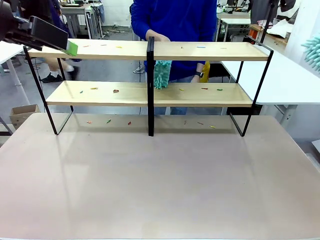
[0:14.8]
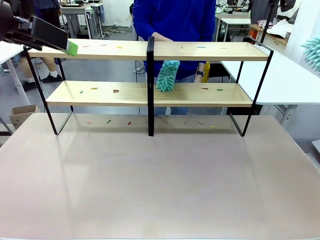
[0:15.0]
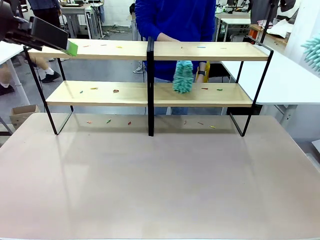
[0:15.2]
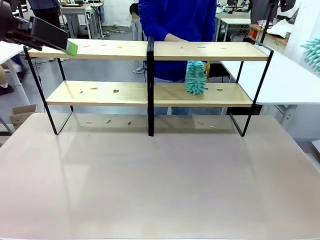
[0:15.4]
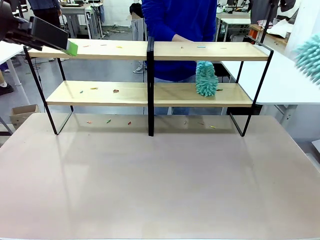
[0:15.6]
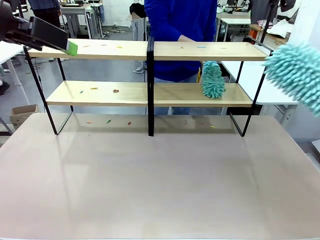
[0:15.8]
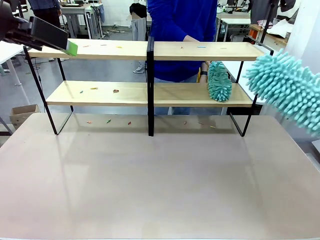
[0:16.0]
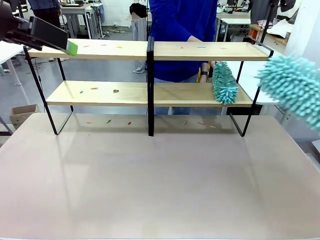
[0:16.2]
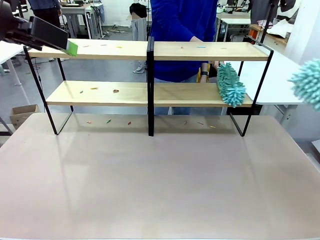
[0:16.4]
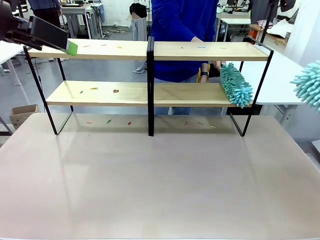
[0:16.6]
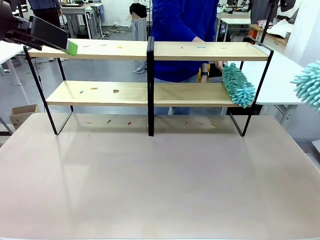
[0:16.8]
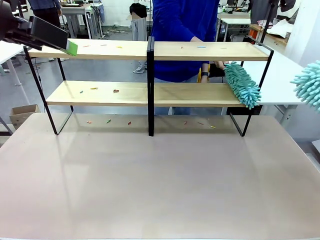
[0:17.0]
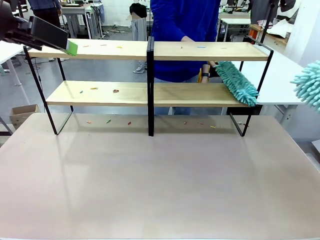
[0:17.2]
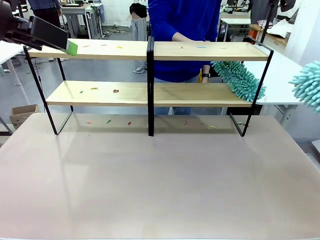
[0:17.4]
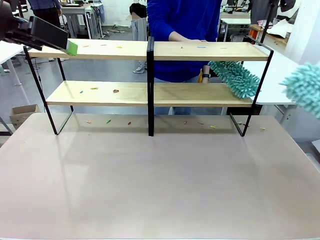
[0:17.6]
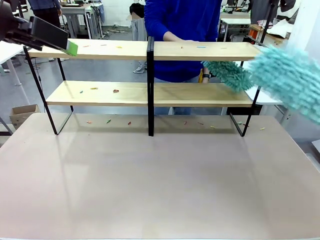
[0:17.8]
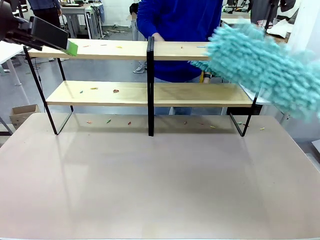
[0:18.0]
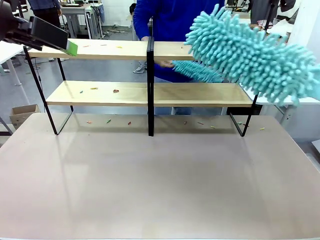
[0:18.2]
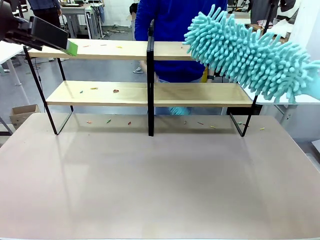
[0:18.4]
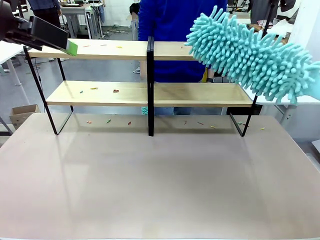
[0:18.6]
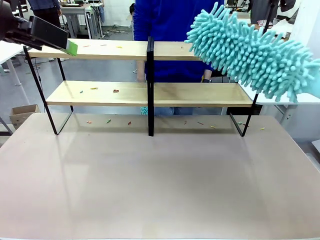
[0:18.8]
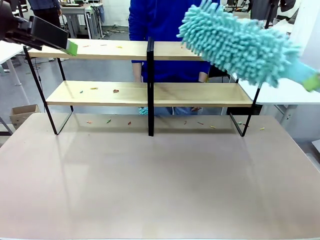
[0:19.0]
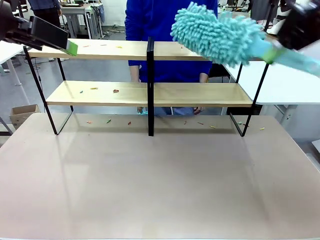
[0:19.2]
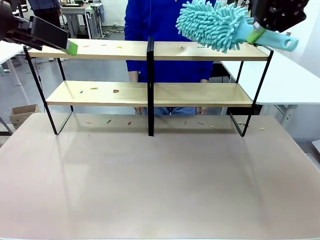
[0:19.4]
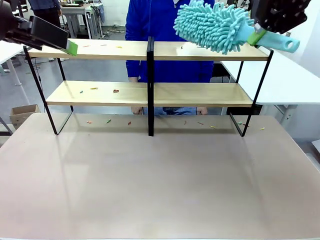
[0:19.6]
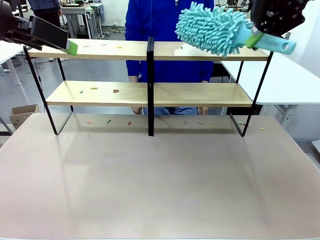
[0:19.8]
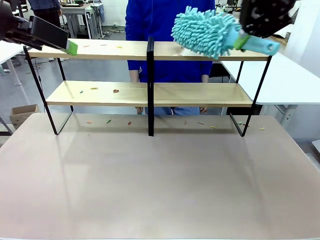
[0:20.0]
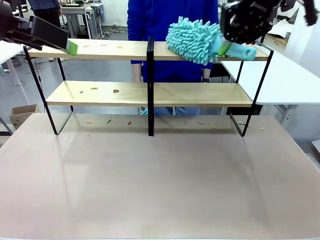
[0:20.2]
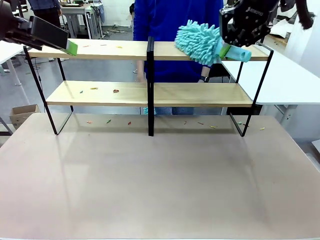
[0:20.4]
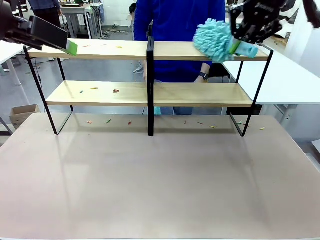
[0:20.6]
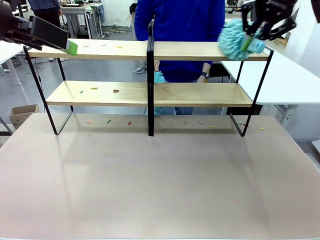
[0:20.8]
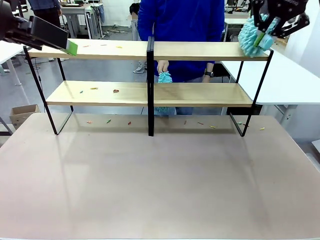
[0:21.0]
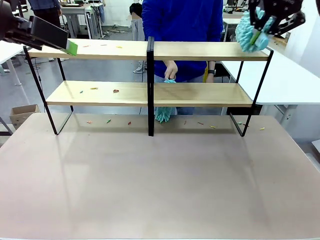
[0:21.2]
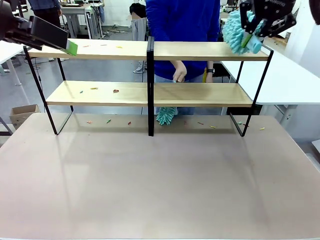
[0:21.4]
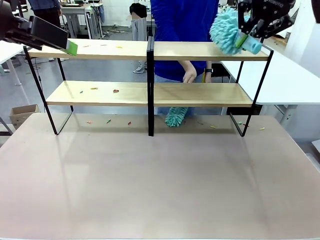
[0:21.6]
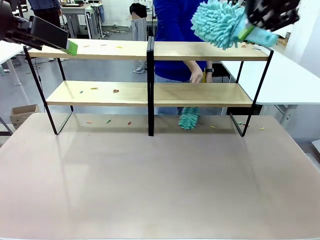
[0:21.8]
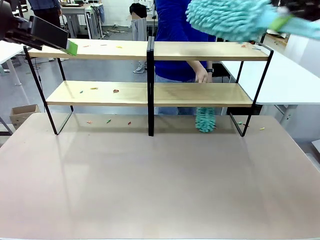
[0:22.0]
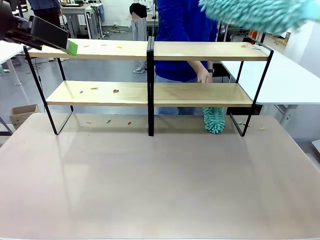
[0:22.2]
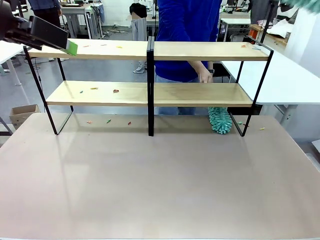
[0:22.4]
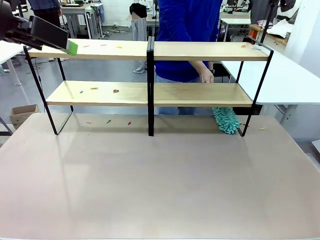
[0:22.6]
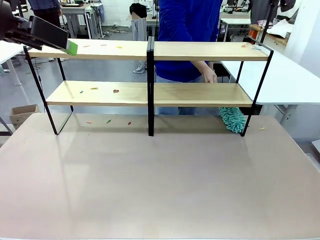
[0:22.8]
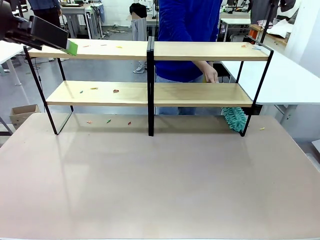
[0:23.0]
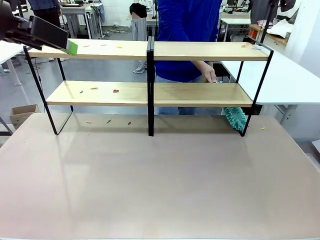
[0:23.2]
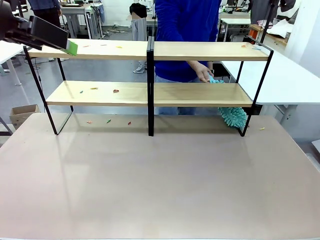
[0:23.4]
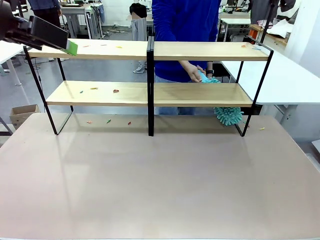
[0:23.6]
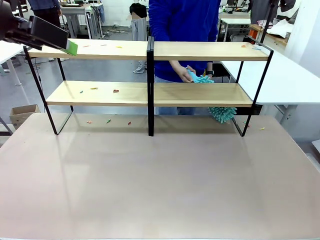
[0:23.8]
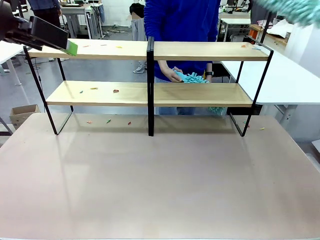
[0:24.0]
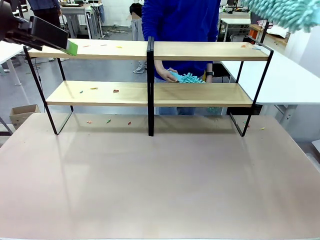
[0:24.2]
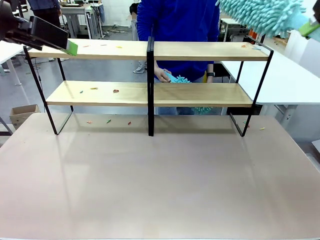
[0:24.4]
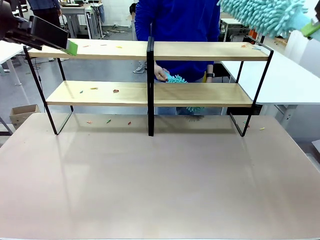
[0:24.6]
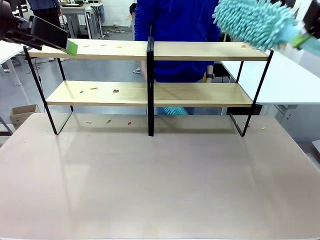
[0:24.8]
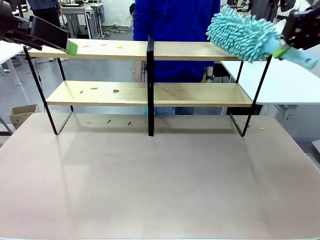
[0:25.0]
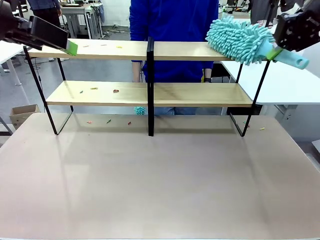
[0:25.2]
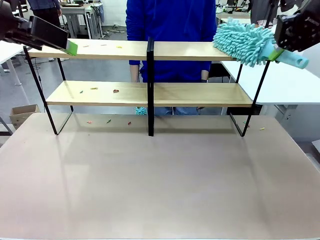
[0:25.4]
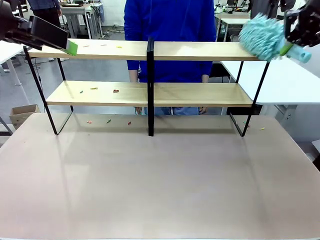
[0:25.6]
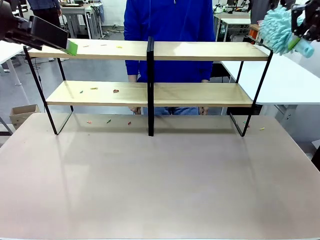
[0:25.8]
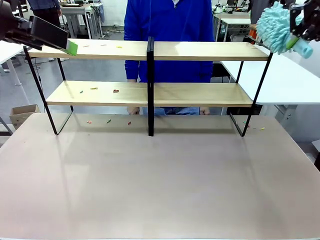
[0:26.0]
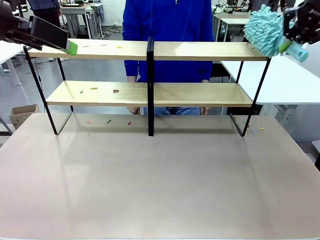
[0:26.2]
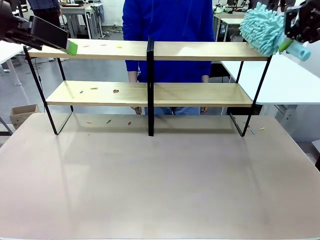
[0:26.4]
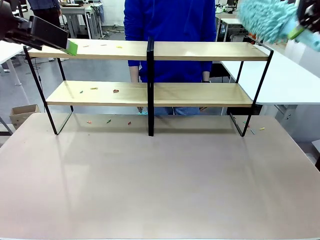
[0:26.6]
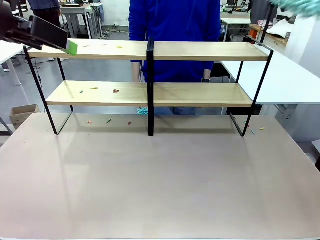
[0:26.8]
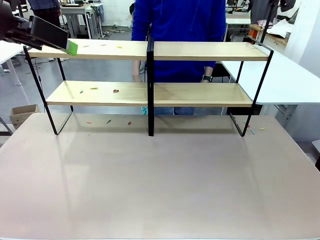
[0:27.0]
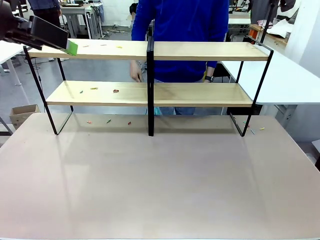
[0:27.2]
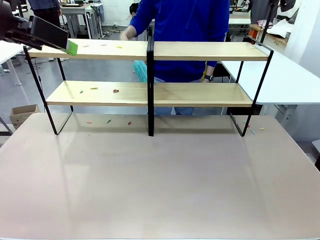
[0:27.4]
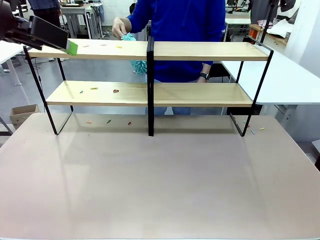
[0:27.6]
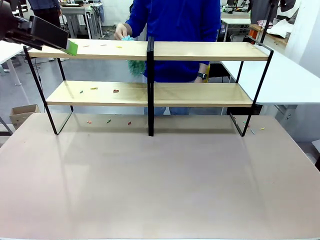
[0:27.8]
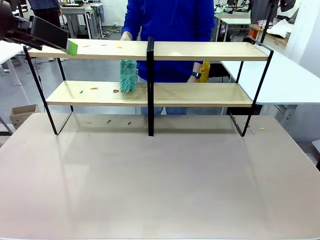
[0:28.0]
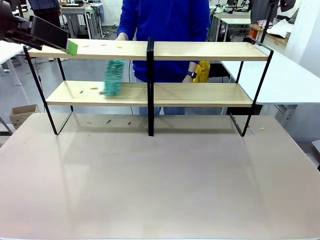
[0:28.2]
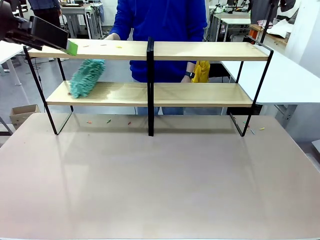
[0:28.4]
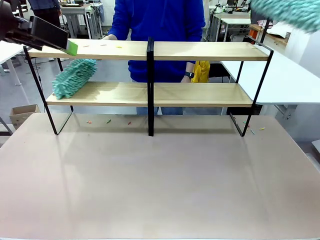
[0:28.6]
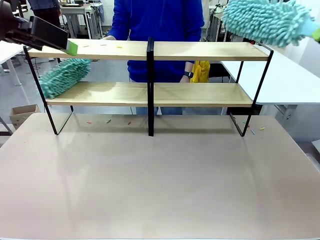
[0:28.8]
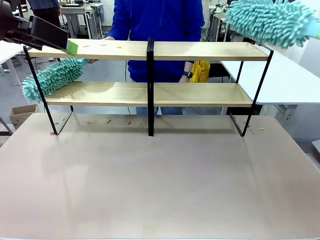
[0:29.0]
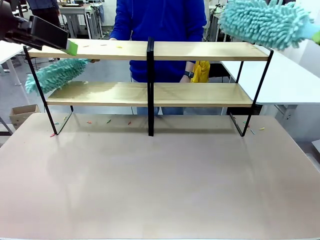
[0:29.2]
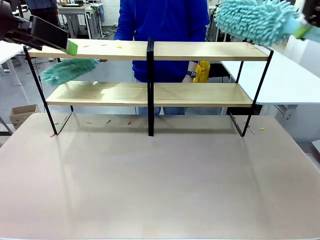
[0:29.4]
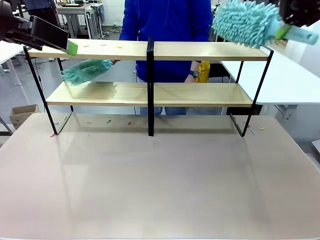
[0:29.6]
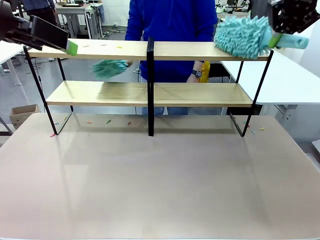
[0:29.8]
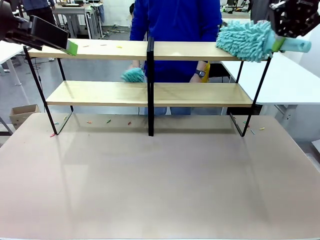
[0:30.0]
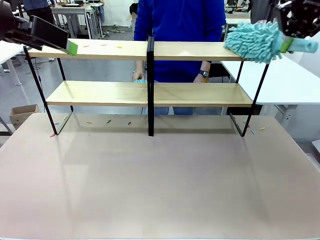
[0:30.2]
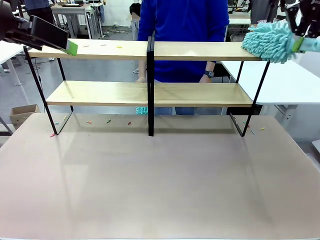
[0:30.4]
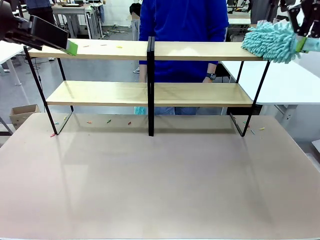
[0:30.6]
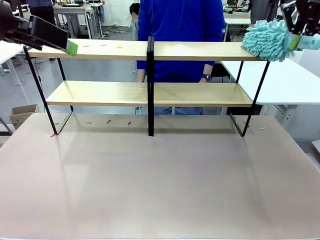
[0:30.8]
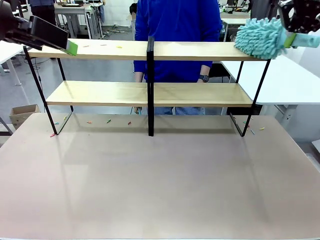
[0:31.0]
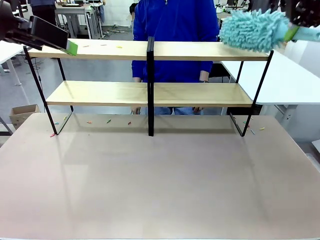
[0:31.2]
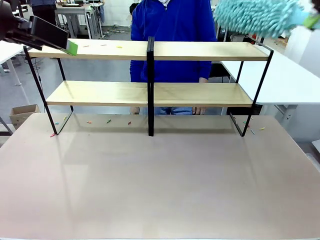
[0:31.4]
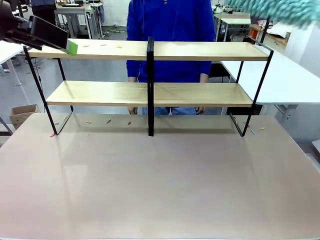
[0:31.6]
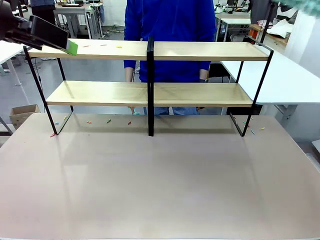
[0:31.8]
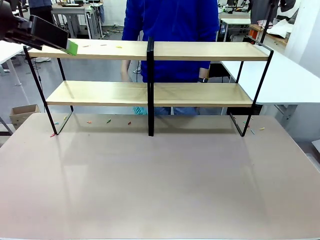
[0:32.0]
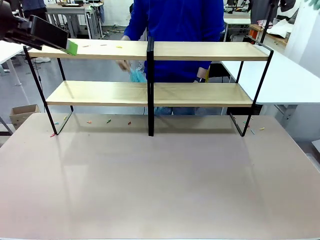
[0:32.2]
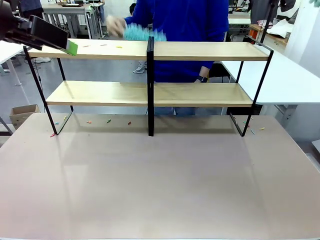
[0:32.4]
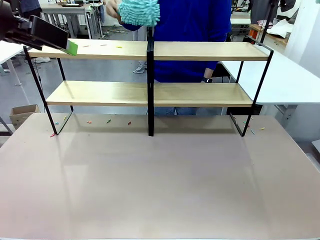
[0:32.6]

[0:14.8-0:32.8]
Task: Clean the shelves.
Robot: Clean a randomly selected level of the Shelf with the Duster.
